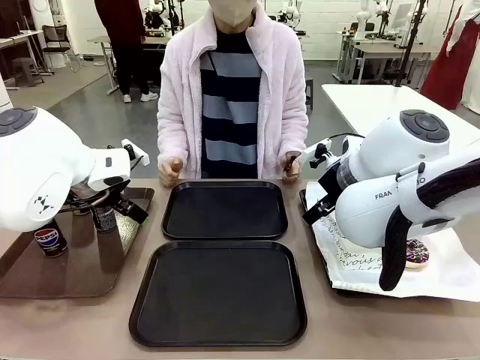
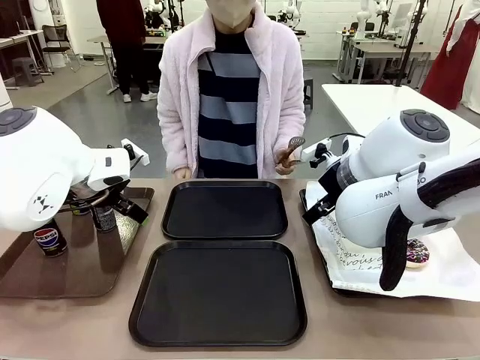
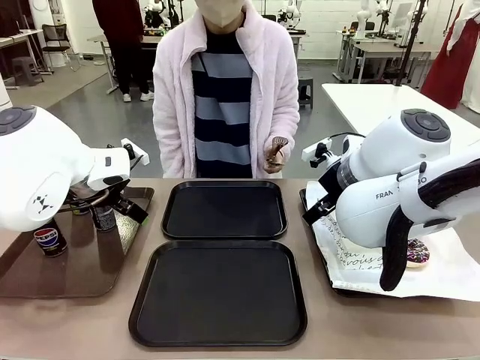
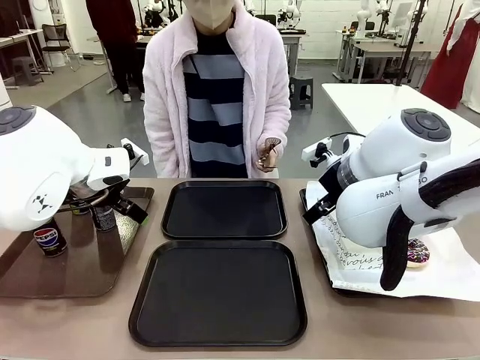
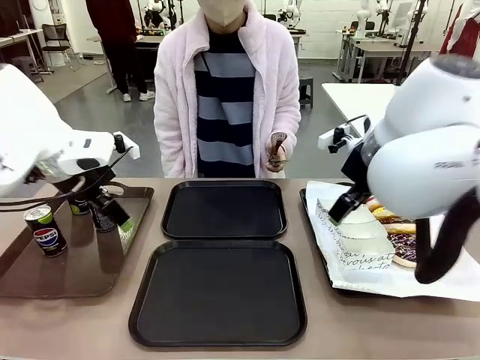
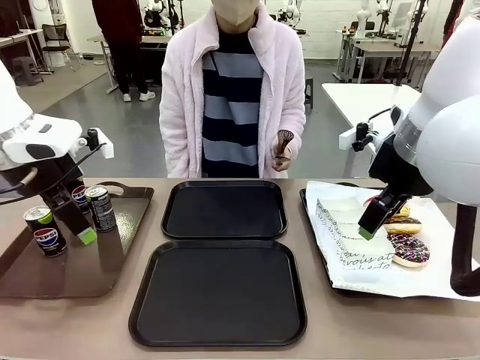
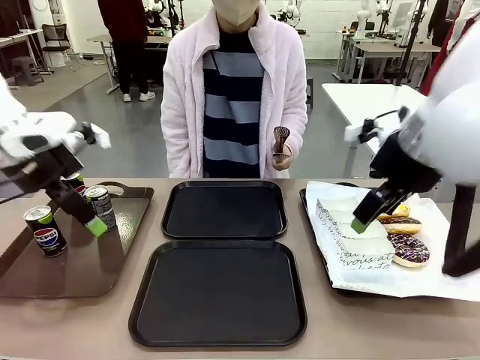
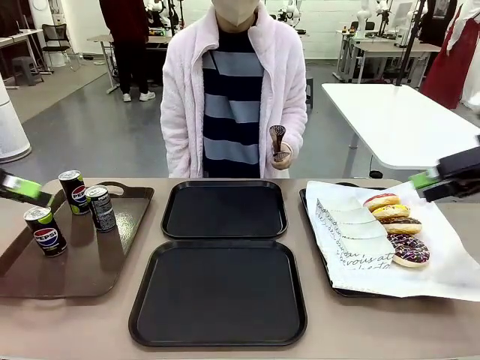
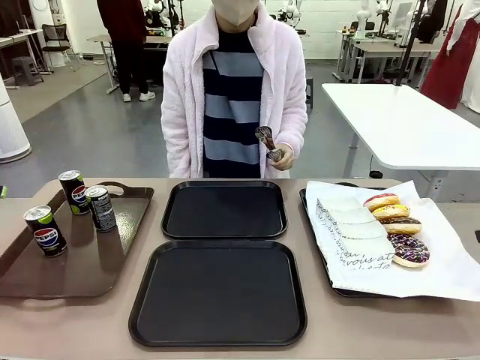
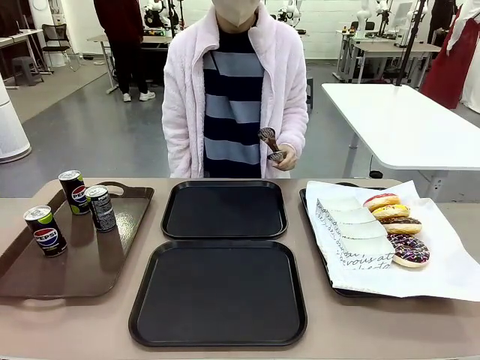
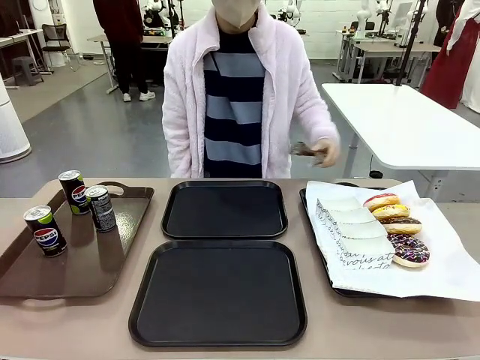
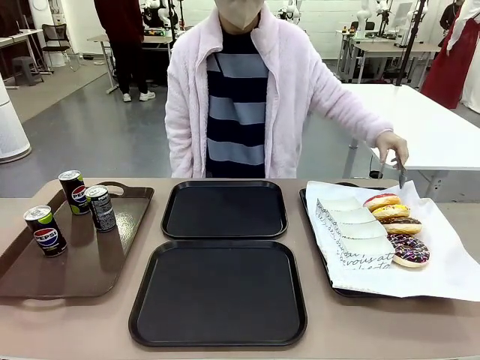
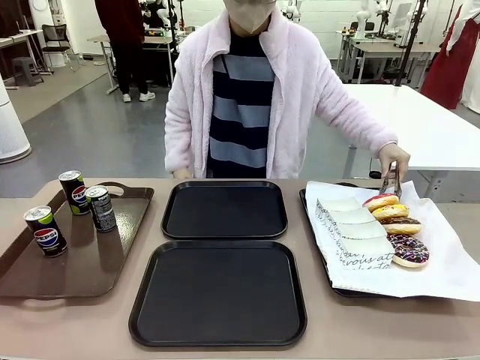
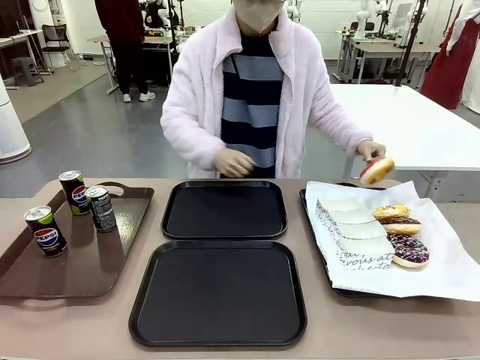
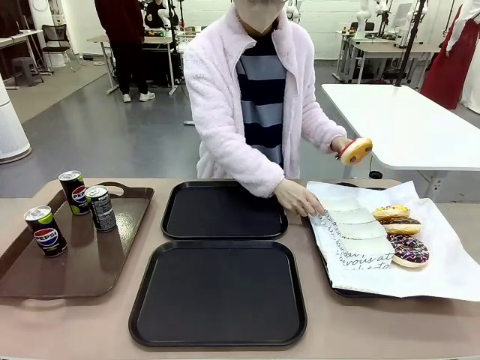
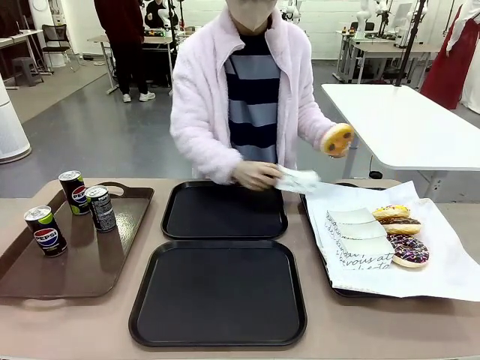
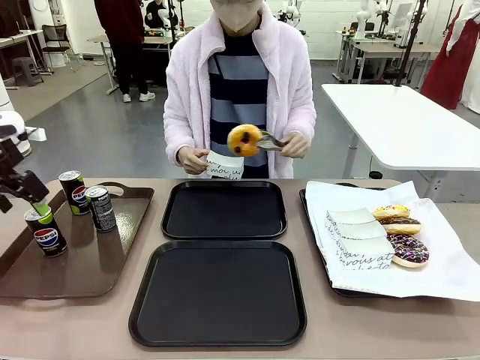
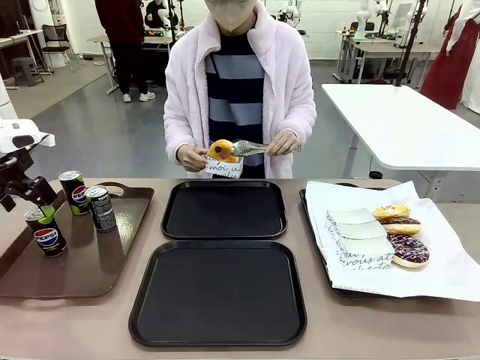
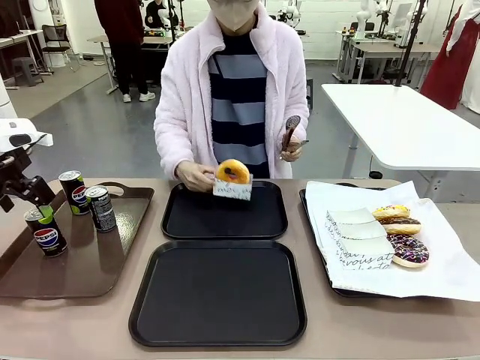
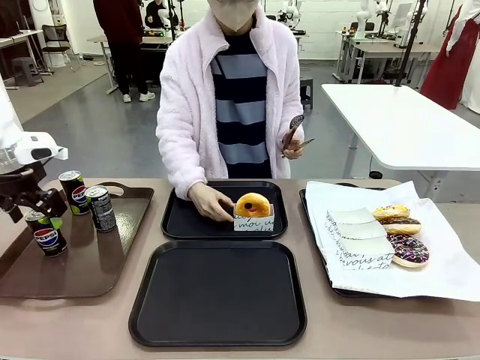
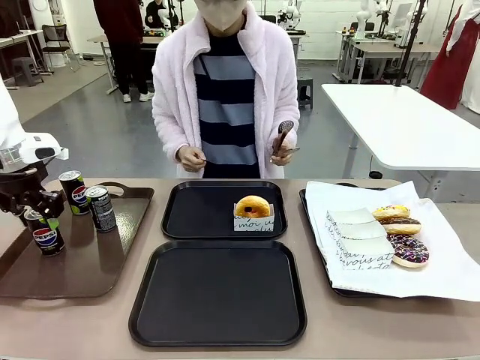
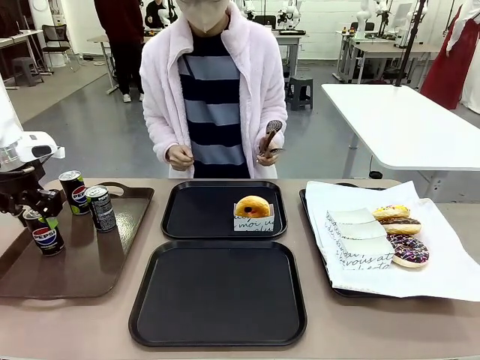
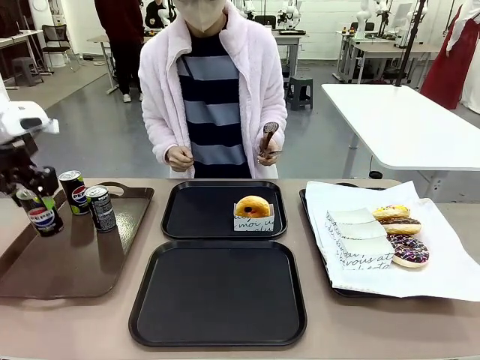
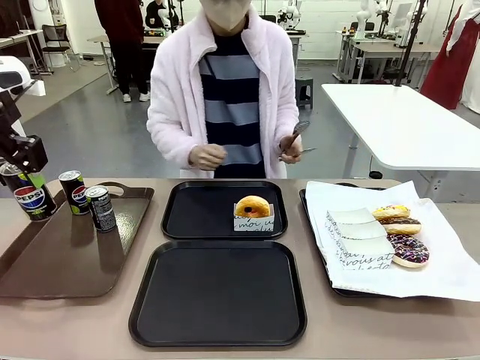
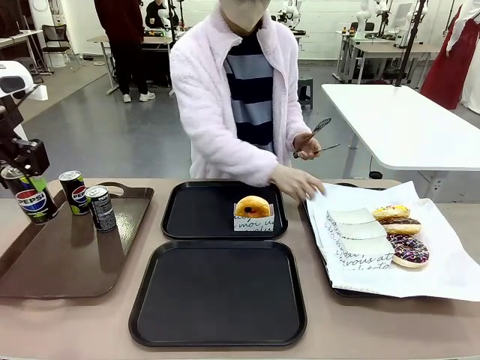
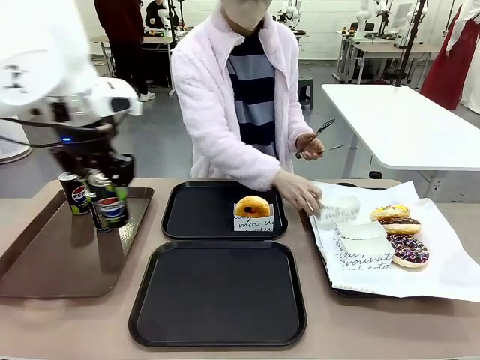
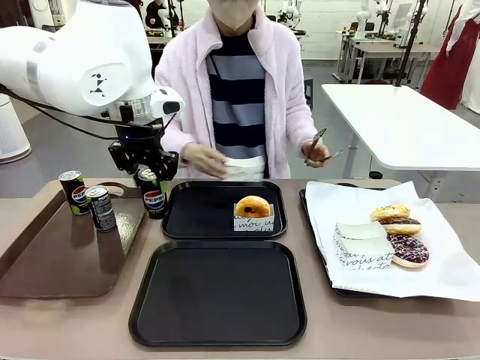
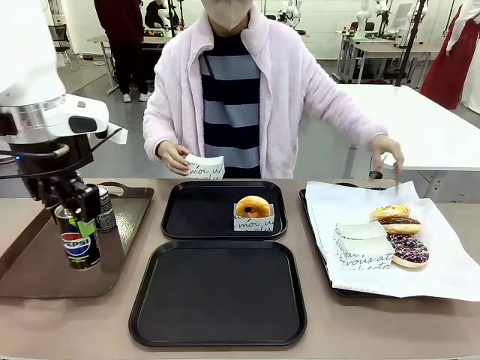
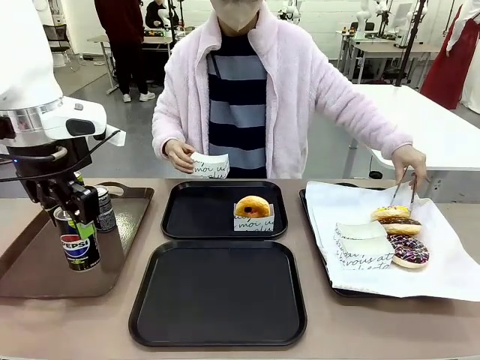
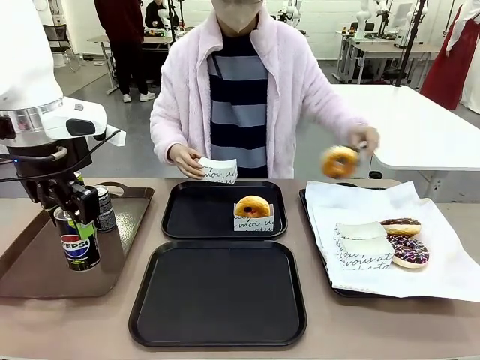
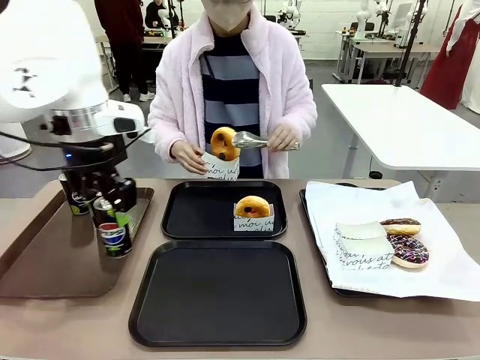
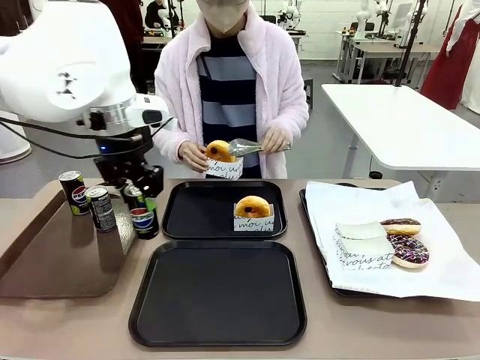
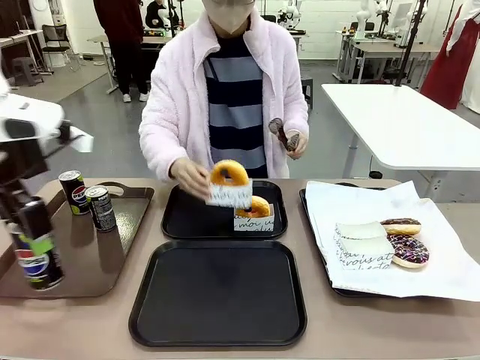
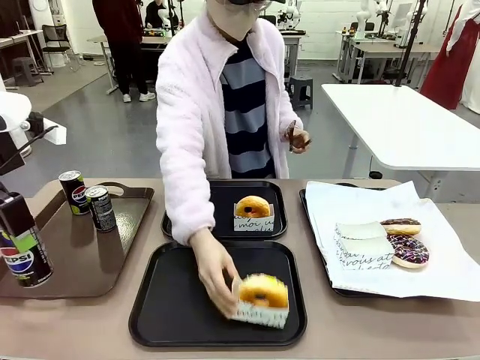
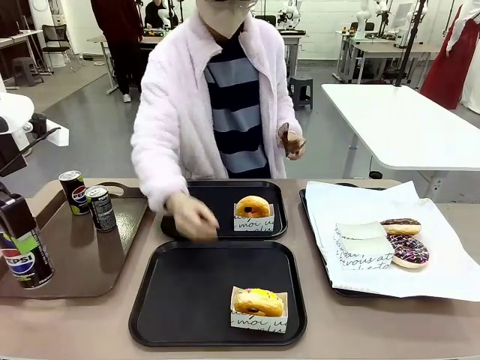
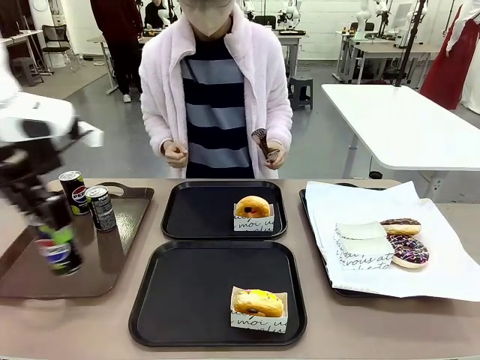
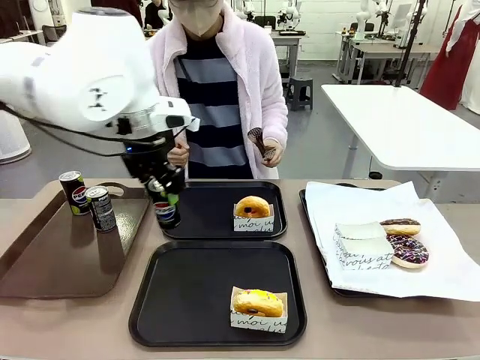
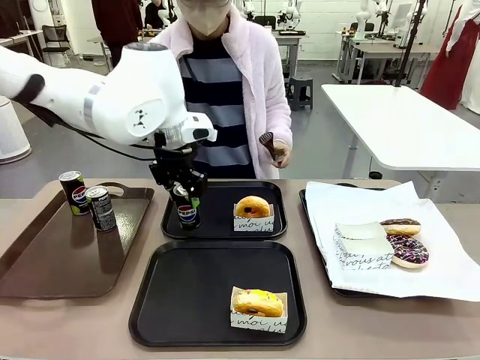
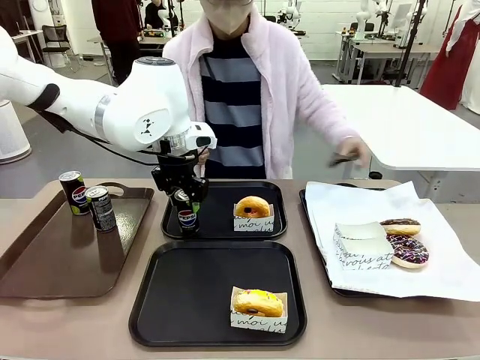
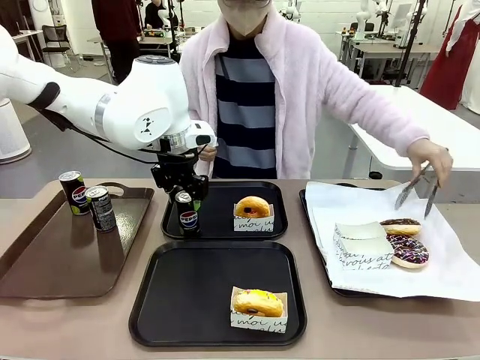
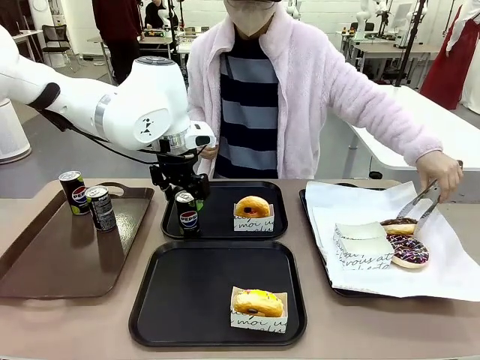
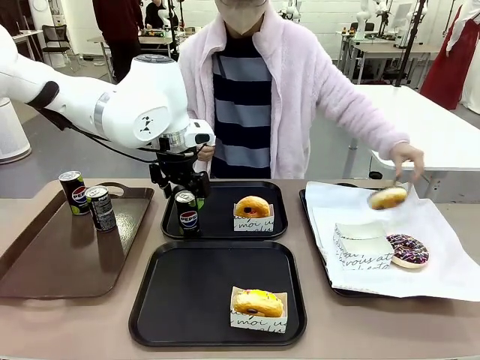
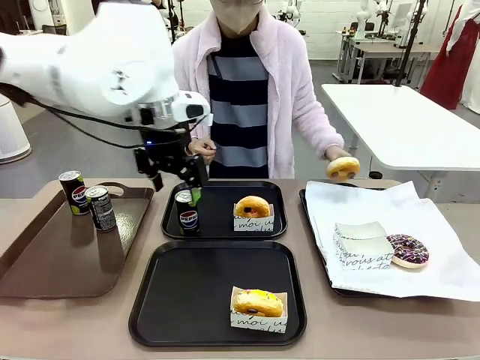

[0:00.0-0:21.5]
Task: Set up donuts and drinks on trays.
Robot: Pick up one Pepsi coke and place it on the Flat Tray.
Person: Pick up one donut with tongs, place it in the donut tray, and then place the donut tray on the flat tray.
